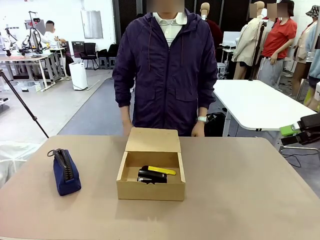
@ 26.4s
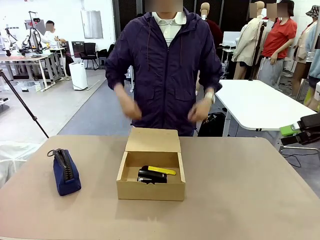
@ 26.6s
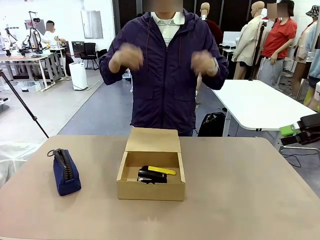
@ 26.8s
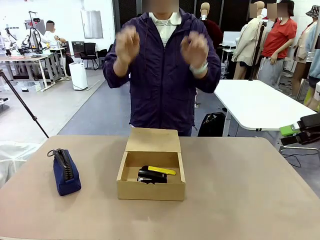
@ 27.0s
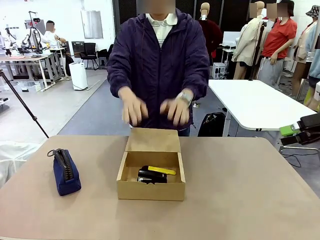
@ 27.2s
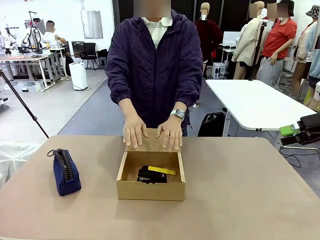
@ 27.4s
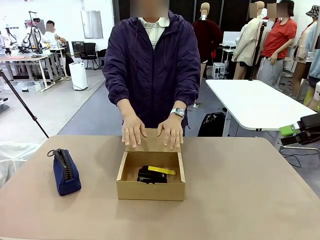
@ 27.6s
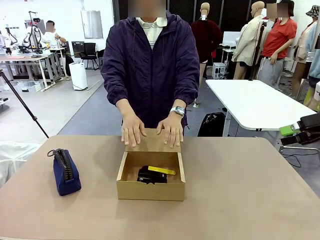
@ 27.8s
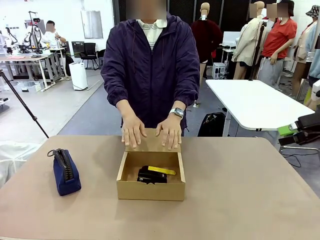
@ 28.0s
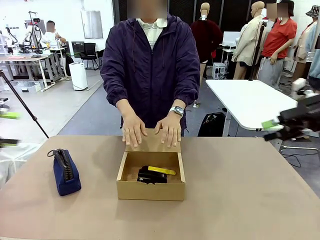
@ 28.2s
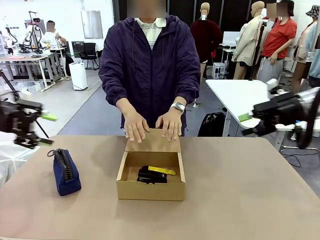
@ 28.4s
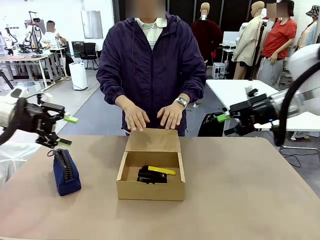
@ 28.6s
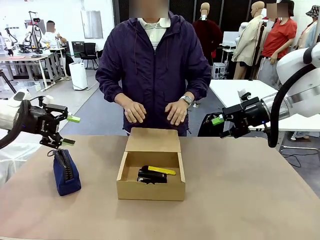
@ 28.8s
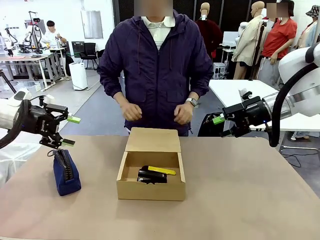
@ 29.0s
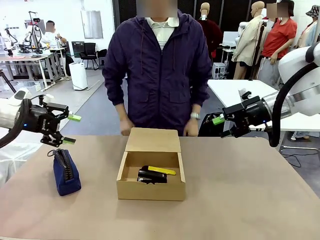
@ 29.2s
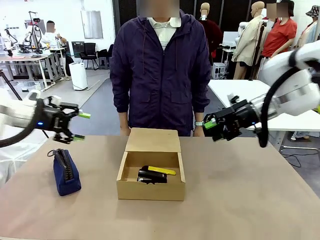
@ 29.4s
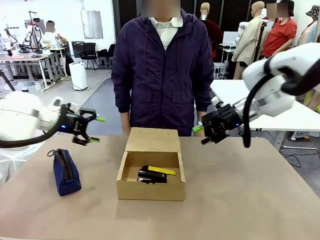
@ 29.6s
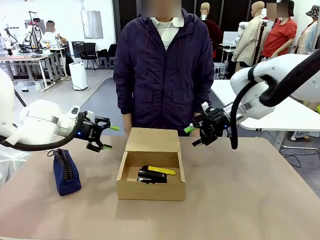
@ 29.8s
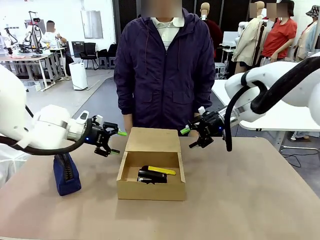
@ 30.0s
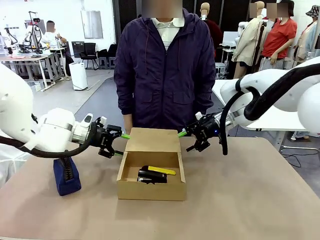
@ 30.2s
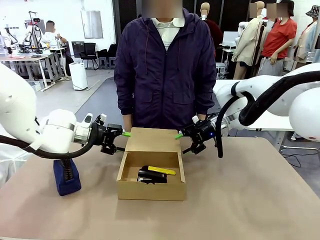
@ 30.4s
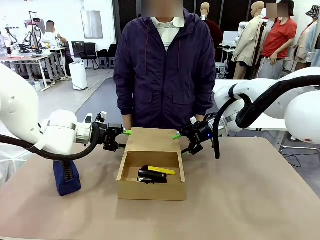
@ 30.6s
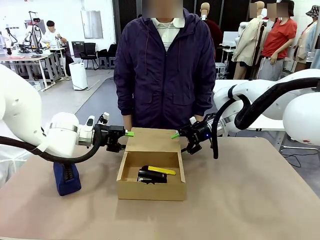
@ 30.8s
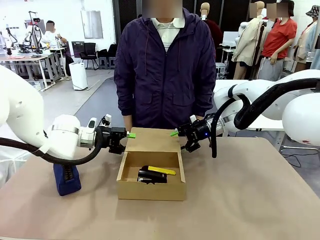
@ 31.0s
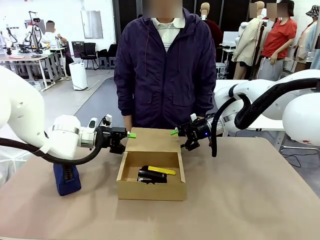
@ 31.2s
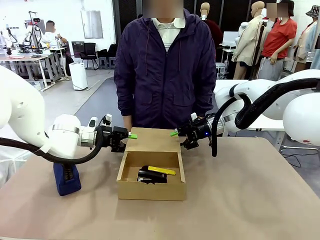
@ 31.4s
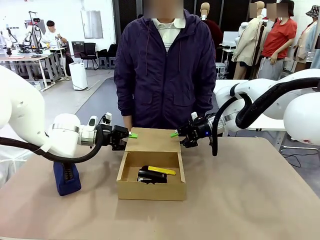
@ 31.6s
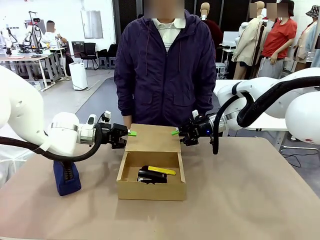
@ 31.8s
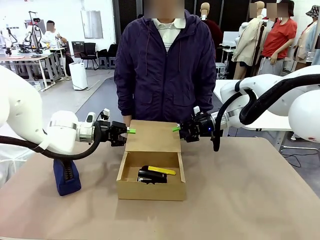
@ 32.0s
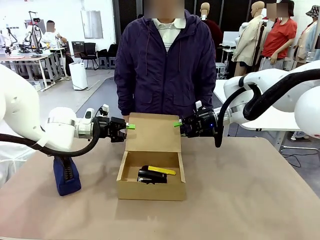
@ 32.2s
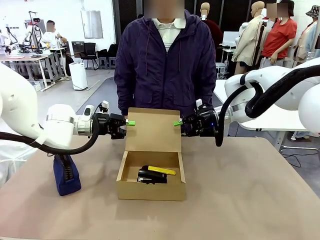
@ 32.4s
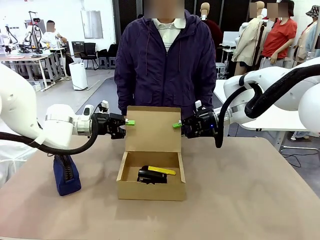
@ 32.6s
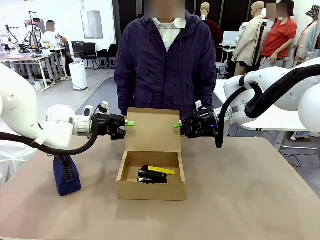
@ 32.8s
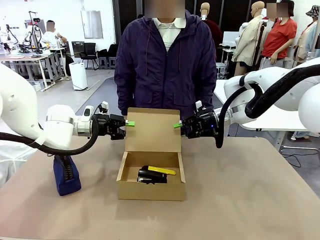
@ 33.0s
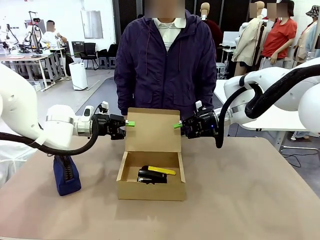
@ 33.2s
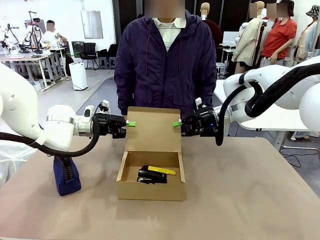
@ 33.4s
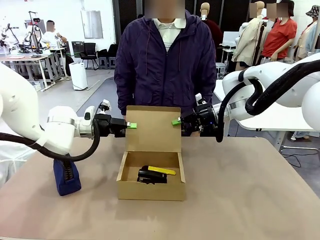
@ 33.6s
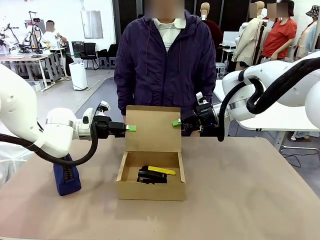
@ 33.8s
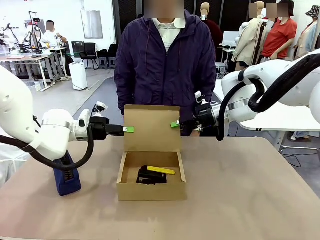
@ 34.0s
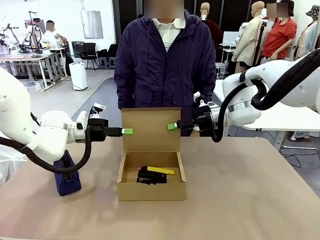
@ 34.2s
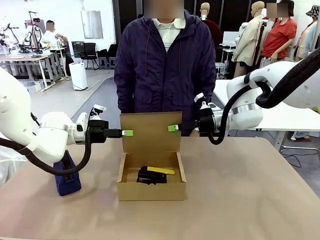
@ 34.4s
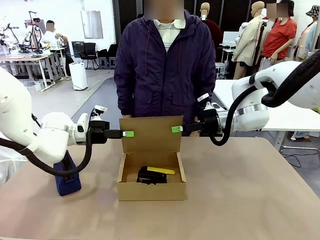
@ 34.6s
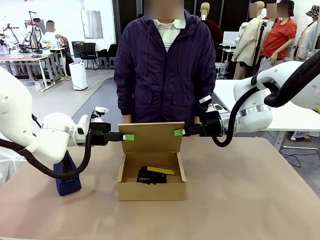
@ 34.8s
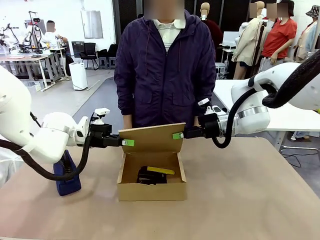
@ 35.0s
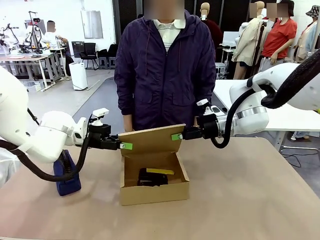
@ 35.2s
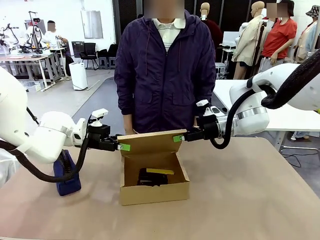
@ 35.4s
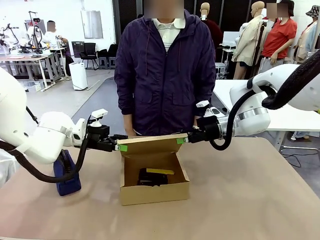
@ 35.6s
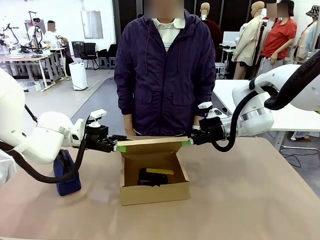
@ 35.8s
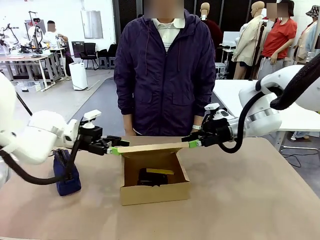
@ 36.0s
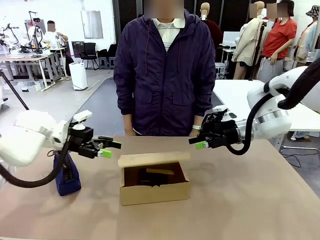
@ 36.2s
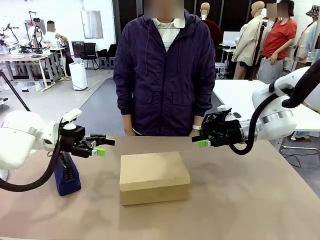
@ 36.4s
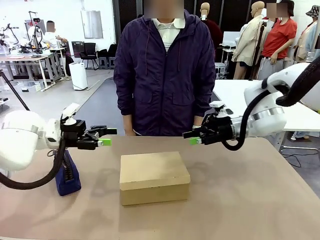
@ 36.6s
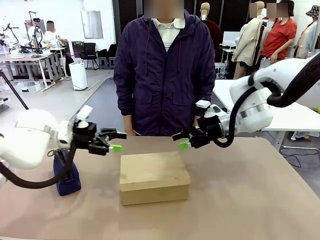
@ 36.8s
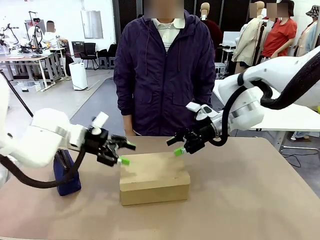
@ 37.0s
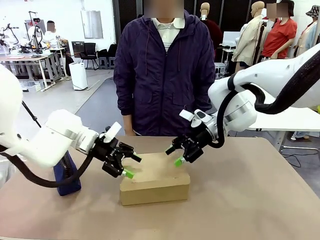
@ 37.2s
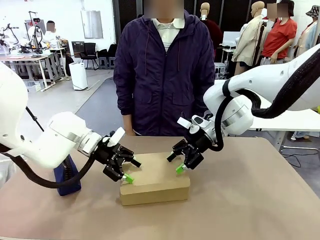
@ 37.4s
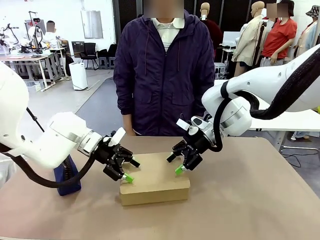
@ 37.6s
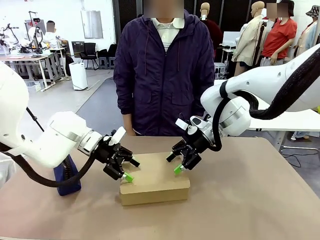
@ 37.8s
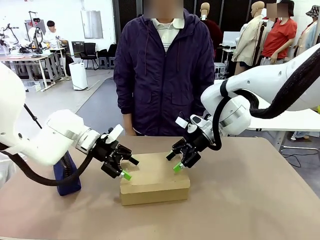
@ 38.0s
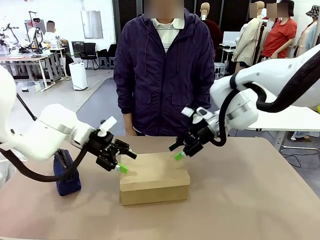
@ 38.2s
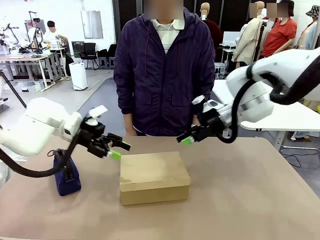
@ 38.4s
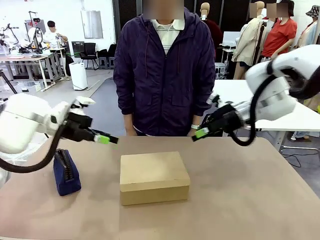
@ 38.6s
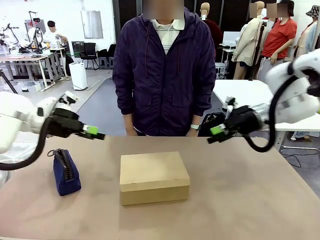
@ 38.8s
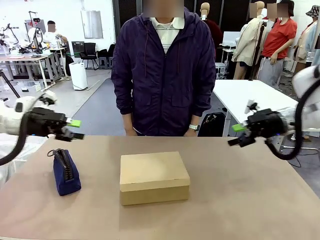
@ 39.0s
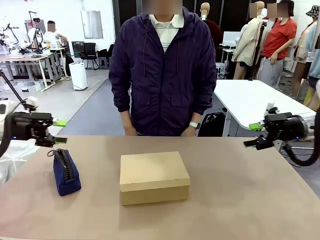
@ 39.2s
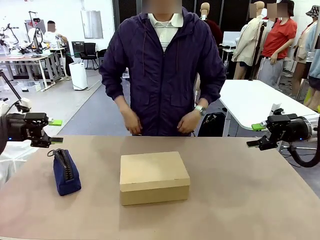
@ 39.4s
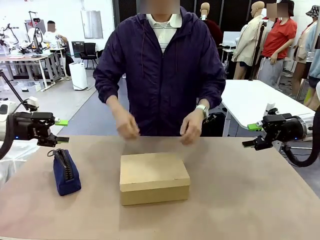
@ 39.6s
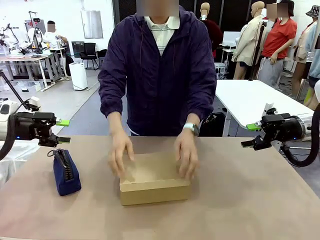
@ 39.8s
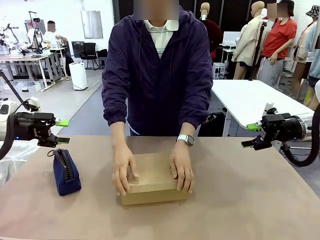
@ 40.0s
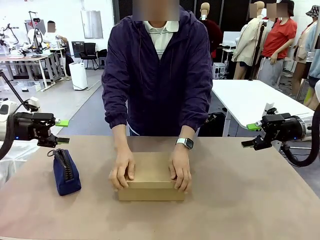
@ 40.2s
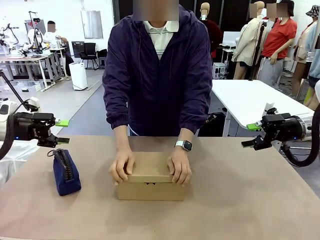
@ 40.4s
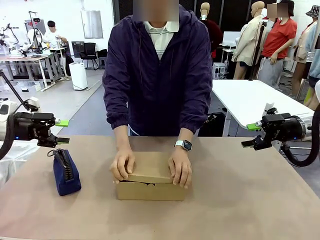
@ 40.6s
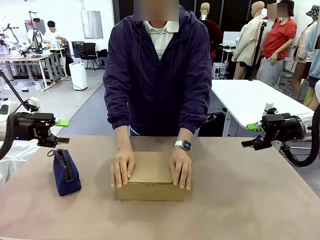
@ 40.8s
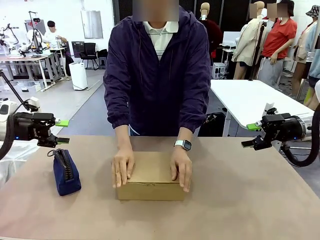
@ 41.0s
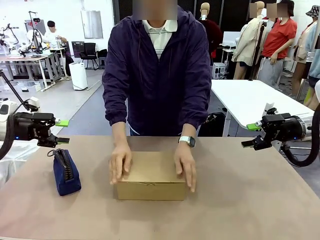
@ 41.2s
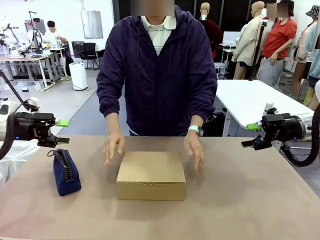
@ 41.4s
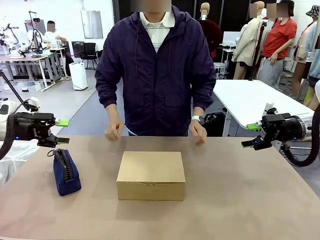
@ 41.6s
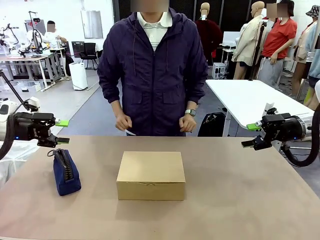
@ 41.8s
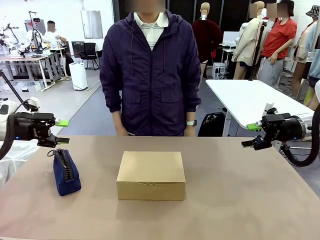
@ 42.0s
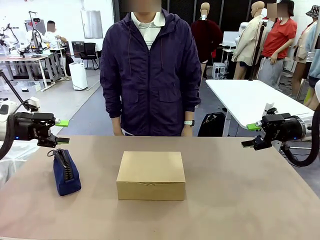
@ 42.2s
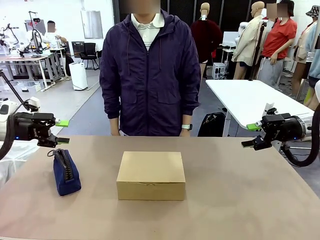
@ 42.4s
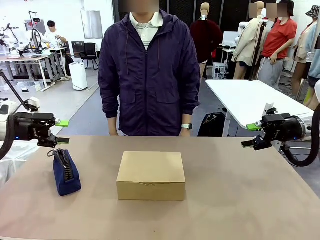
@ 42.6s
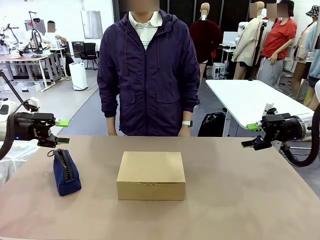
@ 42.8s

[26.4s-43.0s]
Task: Pack the items into the box.
Robot: Close the Mailer Box.
Person: Turn the box and lock it.

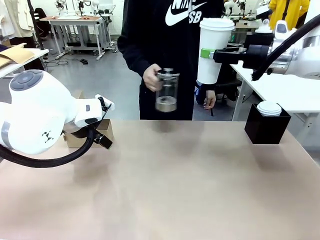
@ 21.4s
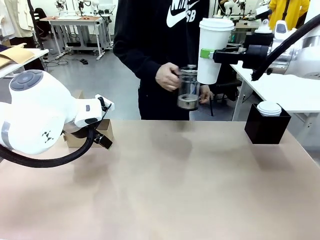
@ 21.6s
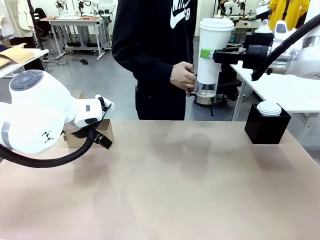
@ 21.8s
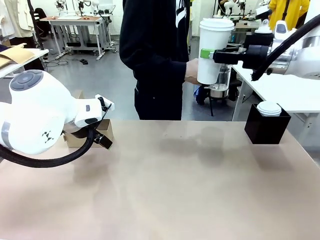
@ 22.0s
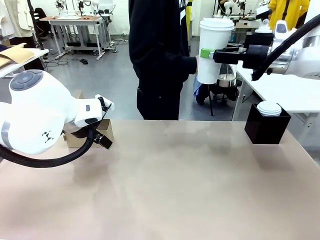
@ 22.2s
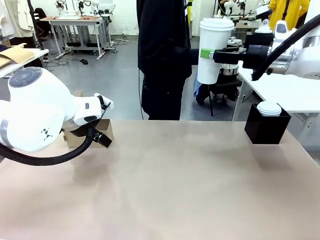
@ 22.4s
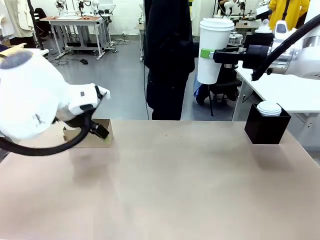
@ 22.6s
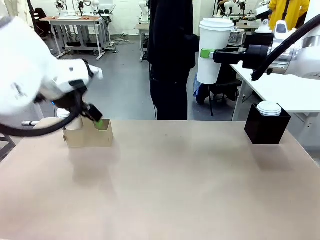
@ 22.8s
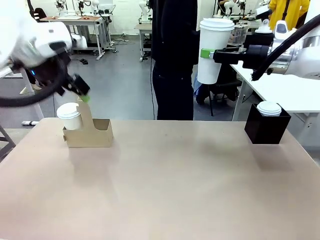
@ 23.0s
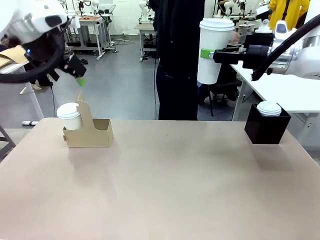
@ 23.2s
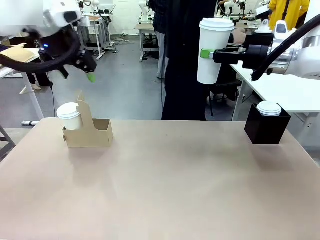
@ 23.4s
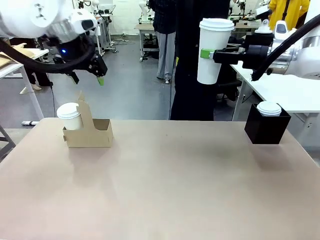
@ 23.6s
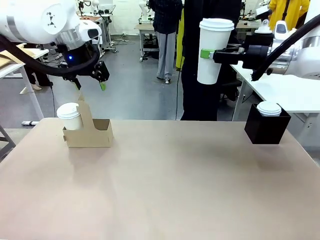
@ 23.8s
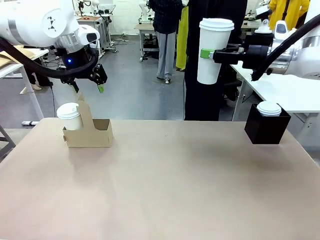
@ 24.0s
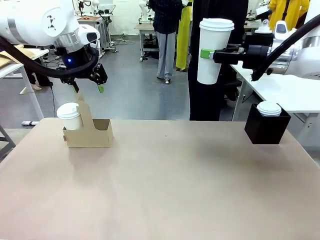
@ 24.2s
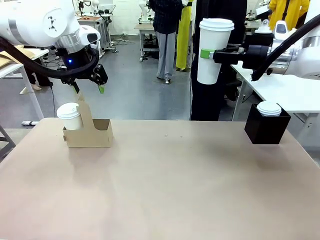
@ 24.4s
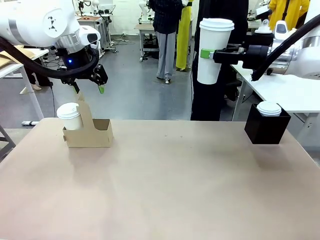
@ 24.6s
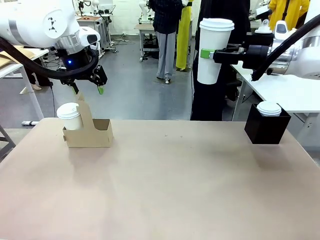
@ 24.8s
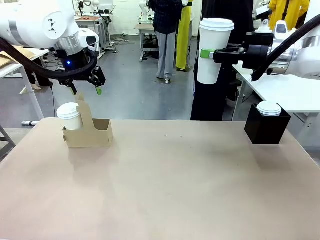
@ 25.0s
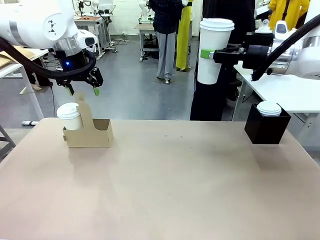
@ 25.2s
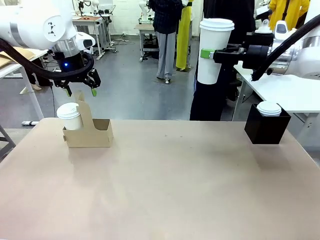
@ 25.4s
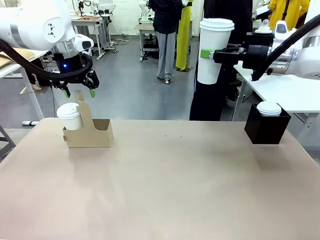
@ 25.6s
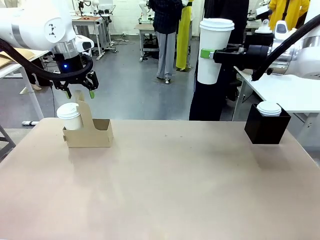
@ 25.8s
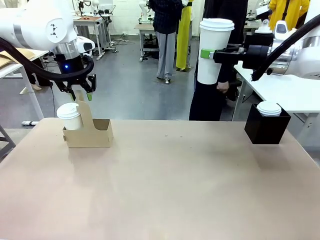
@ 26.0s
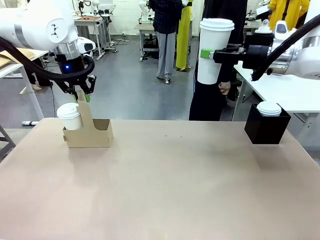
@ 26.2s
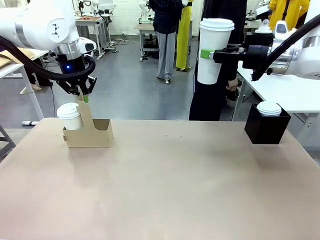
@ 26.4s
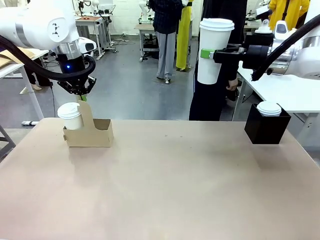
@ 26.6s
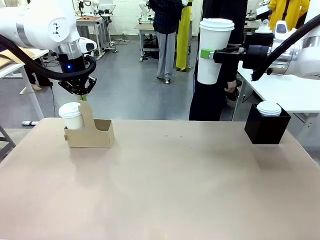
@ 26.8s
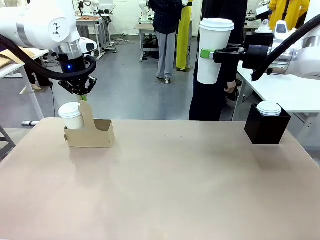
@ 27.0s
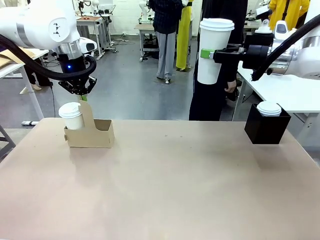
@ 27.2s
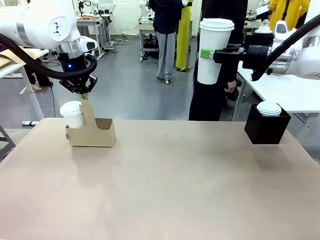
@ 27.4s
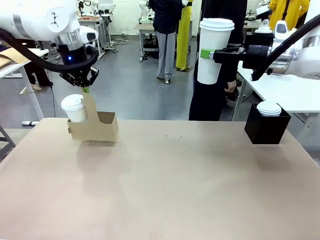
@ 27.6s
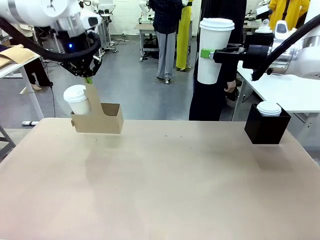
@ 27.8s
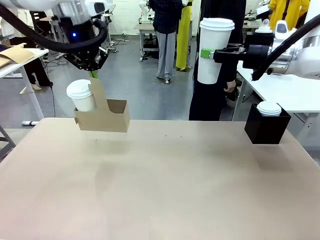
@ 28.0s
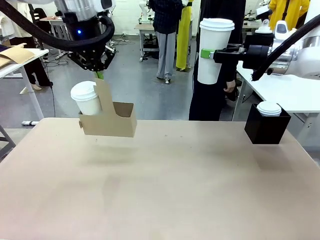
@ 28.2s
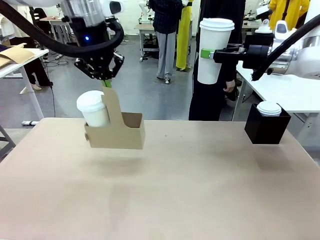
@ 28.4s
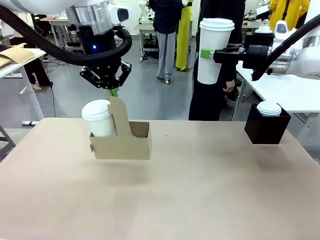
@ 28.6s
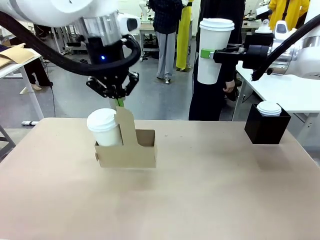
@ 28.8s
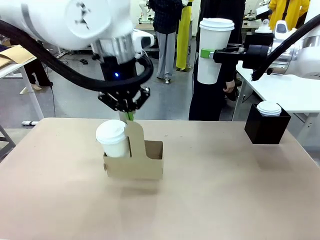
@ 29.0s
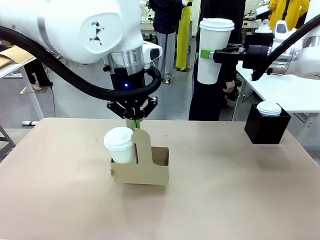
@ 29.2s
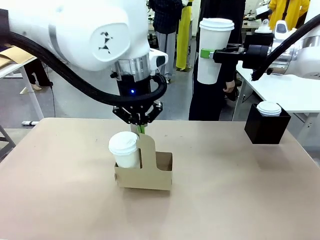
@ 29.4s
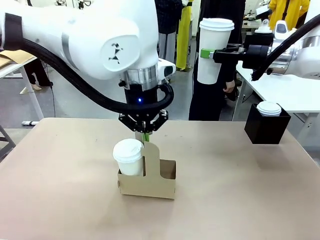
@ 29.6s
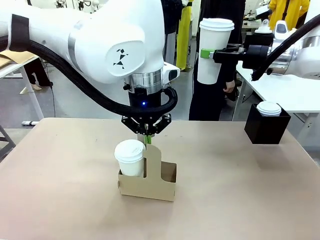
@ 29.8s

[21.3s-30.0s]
Task: Pour a drink into a cup and package it in a carrier.
Robot: Position the Cup Carrier in the center of the table.
Person: Pick up the Filter Brewing and place on the middle of Human table, and return to the Robot table.
